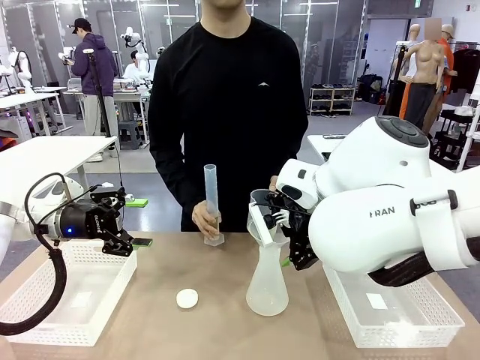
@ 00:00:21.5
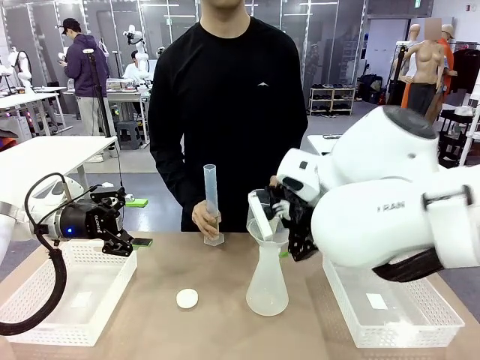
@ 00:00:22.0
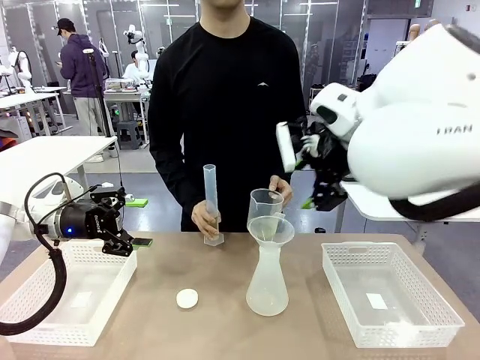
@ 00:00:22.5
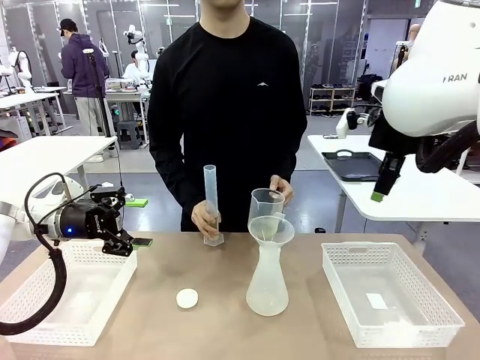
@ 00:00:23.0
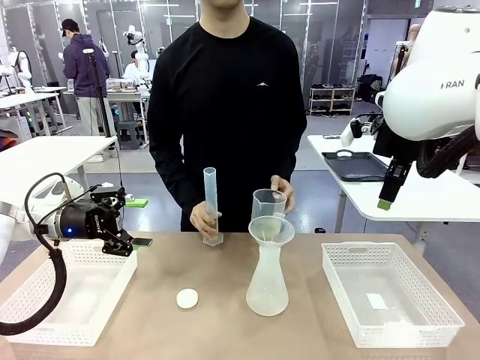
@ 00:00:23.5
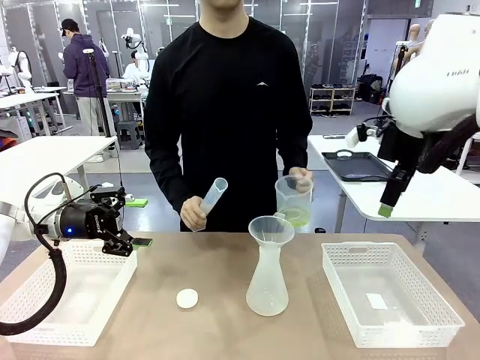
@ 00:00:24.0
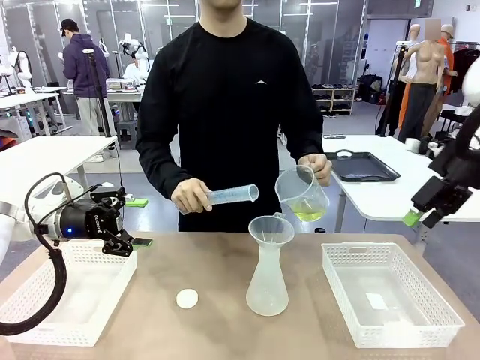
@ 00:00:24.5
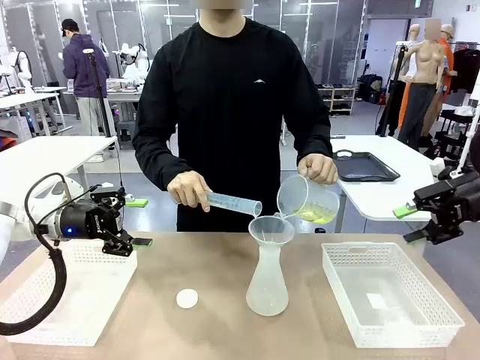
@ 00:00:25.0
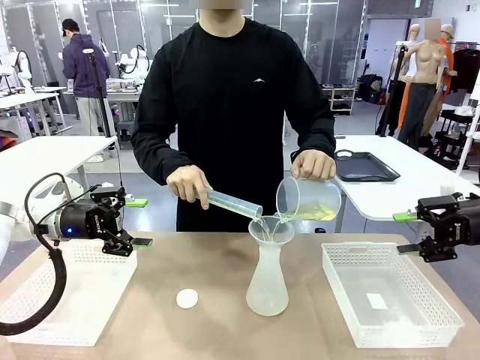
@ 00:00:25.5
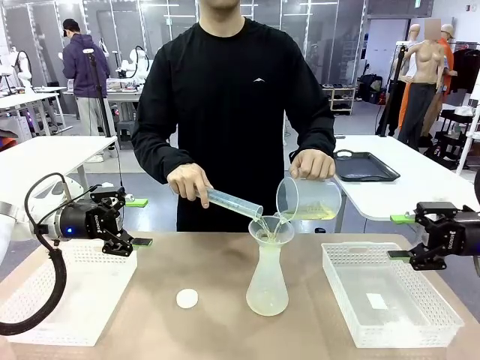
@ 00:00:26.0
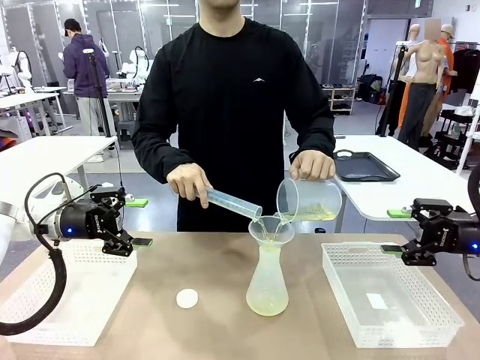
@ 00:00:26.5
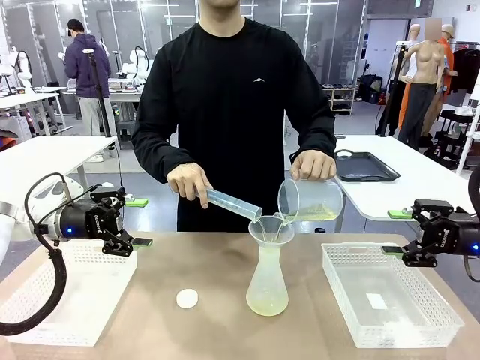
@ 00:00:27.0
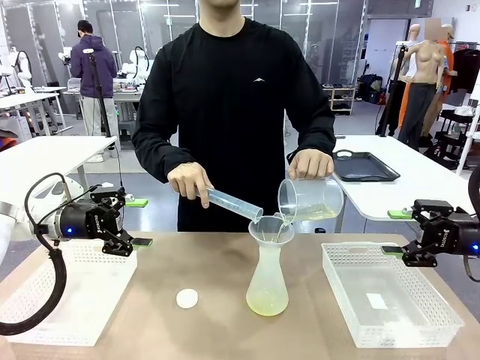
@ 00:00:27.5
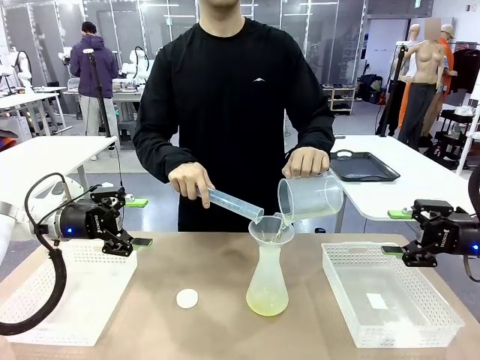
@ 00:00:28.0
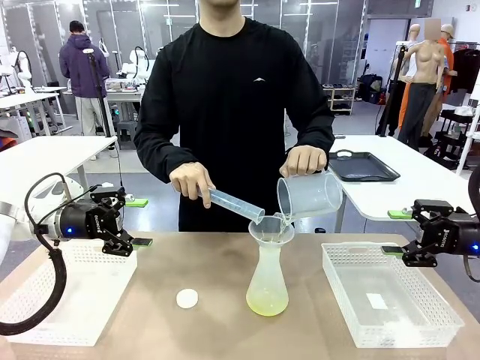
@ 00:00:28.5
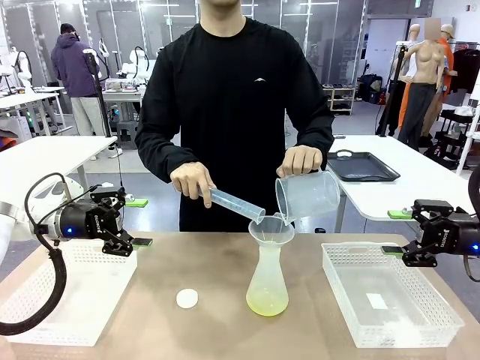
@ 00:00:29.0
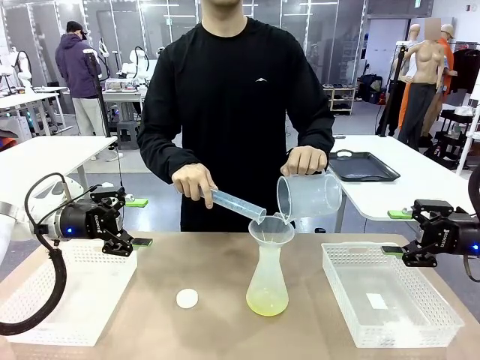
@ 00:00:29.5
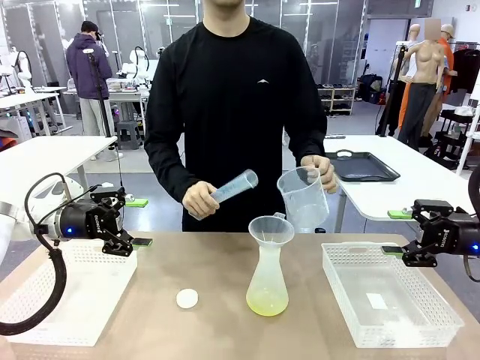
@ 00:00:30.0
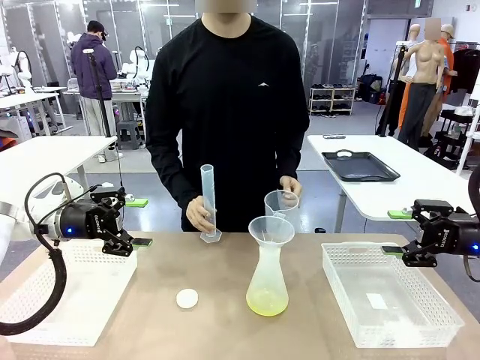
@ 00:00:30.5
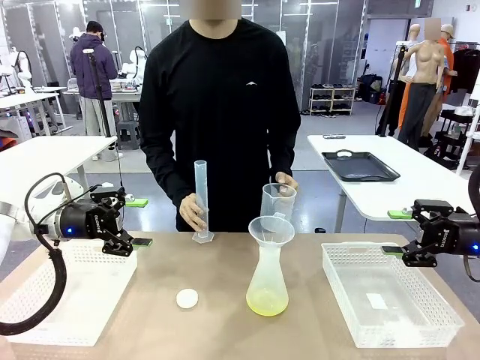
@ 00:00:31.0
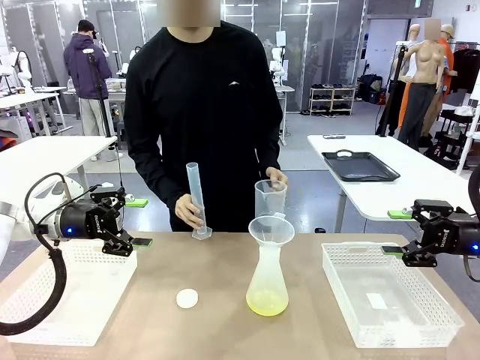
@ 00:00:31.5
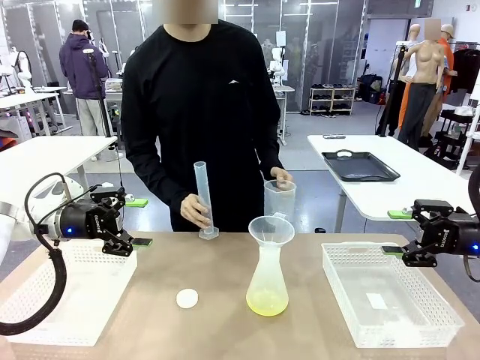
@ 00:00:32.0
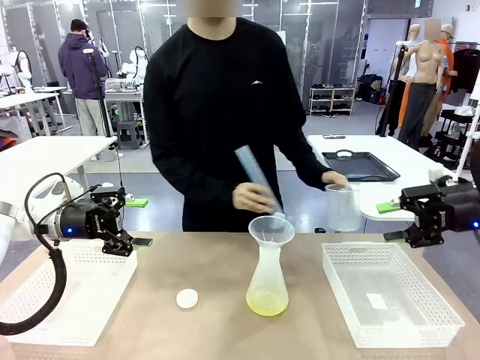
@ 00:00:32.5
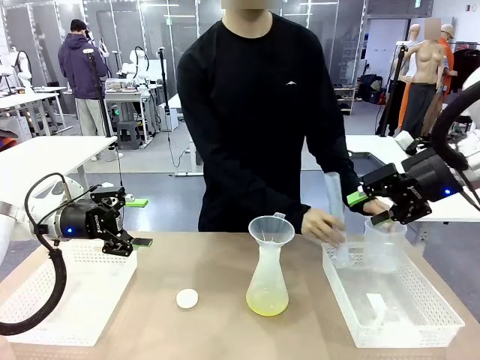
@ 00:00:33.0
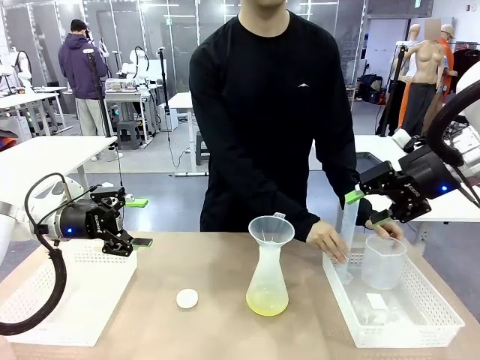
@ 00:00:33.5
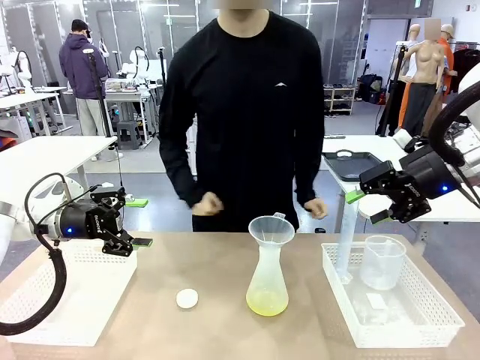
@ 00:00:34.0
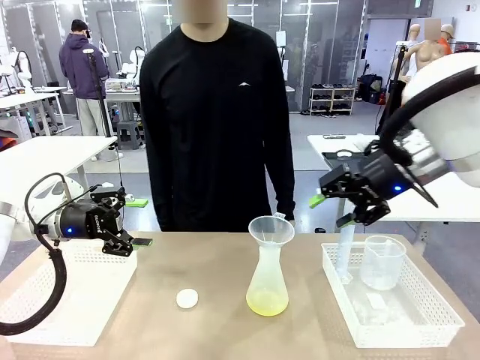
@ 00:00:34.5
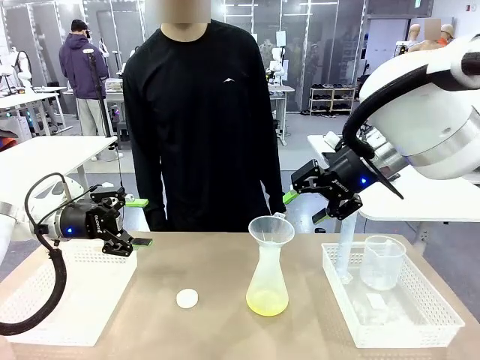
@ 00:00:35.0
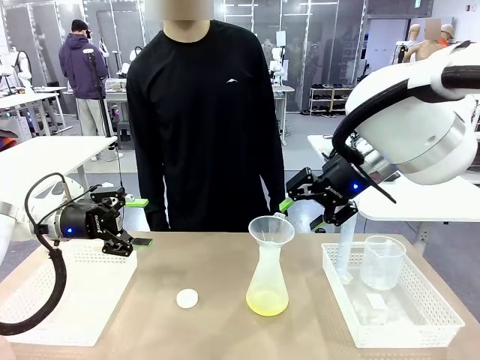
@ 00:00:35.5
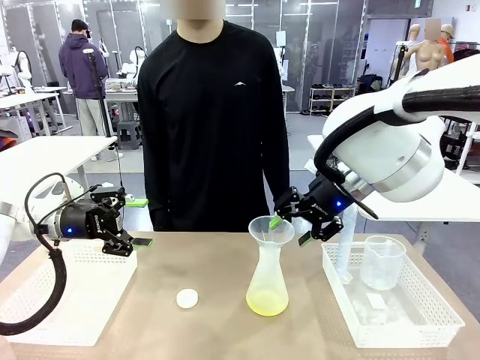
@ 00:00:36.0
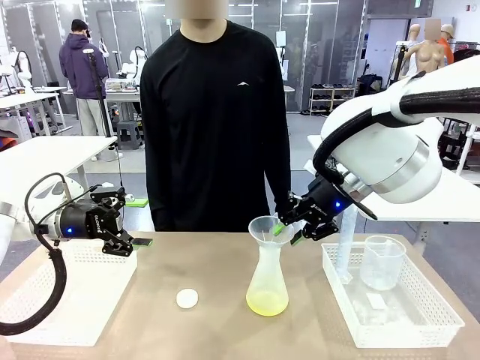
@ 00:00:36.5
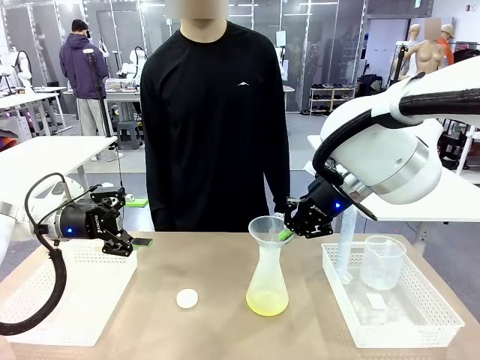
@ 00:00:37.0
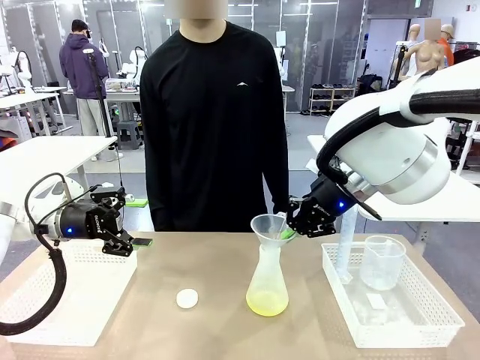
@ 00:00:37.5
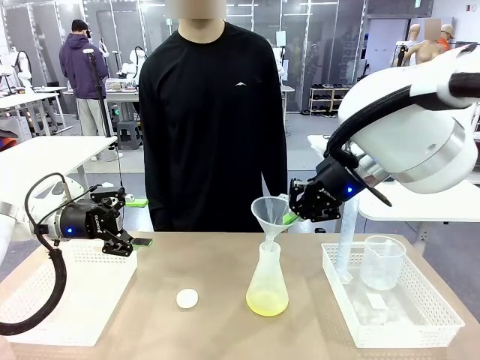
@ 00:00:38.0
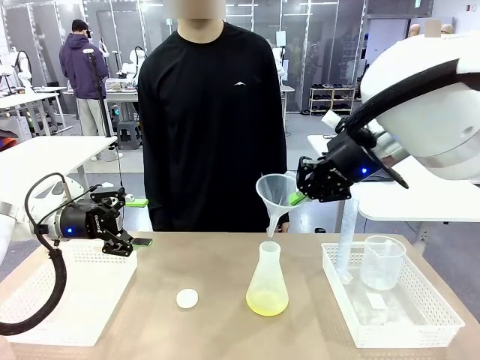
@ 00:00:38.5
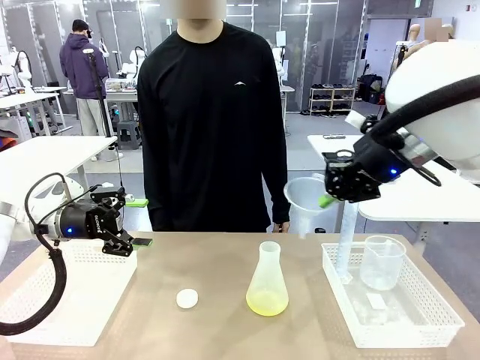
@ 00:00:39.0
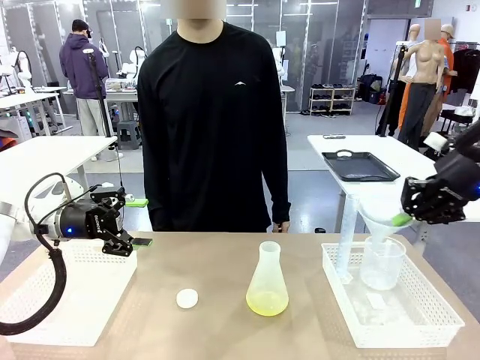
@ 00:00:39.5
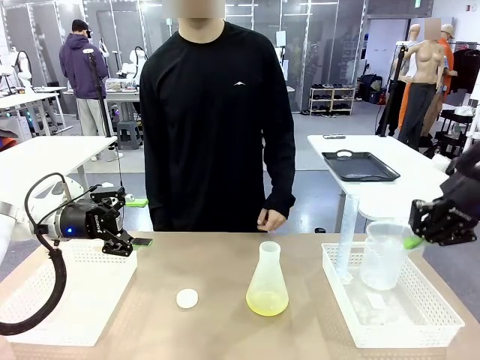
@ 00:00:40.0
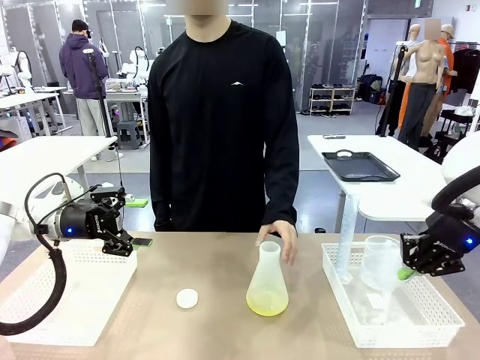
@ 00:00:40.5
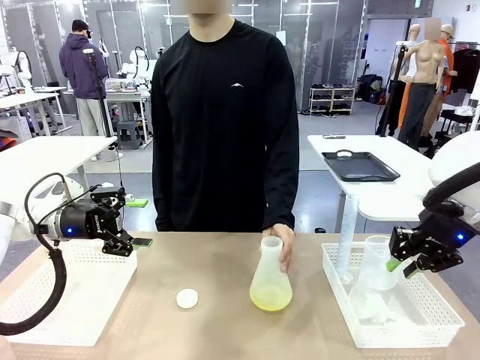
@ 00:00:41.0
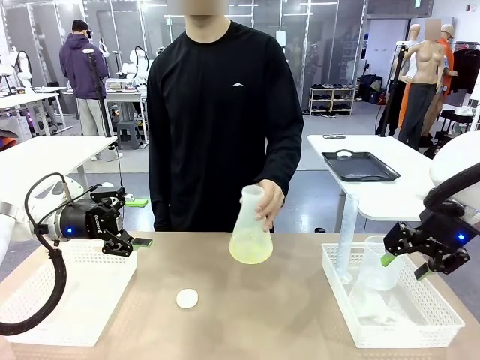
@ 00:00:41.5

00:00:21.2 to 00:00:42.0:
Task: Prepare the solutions needed for the experiment.
Robot: Once the solution is in the Big flask , pick up the Plastic Funnel and place it back into the right Organizing basket.
Person: Pour the solution from the beaker and the cylinder into the flask. Place the beaker and the cylinder into the organizing basket on the left side. Pick up the flask, gently shake it 2–3 times, place it in the middle of the robot table, and close the lid.
